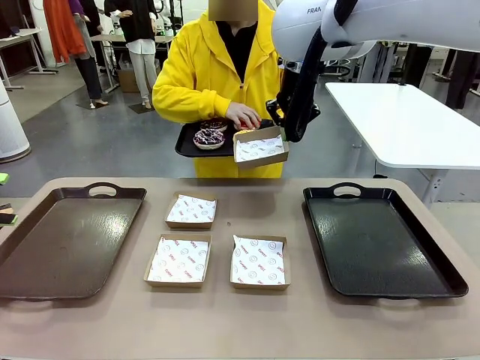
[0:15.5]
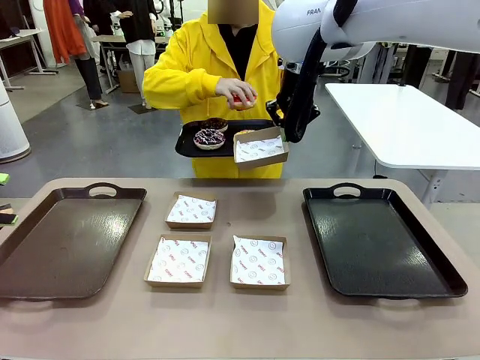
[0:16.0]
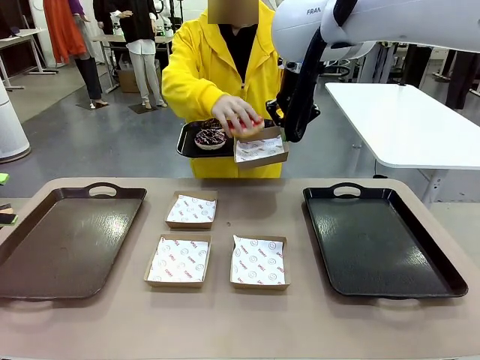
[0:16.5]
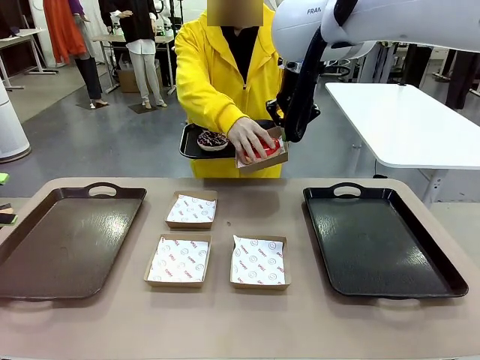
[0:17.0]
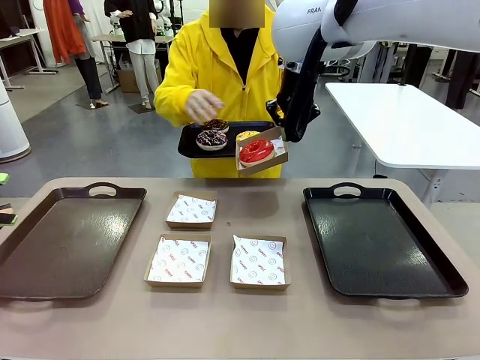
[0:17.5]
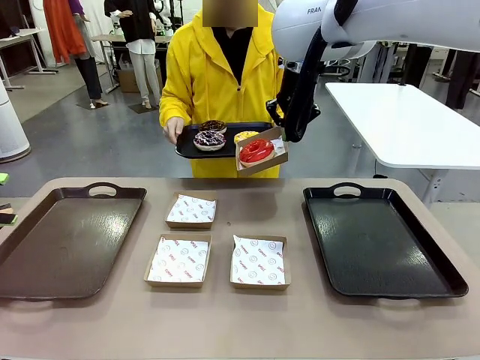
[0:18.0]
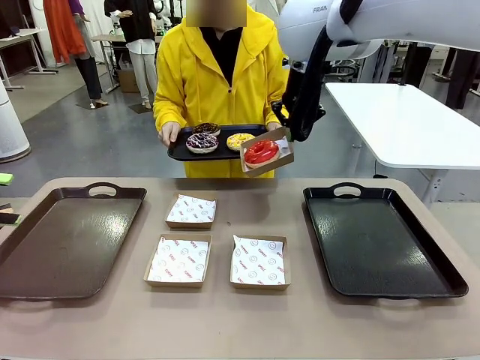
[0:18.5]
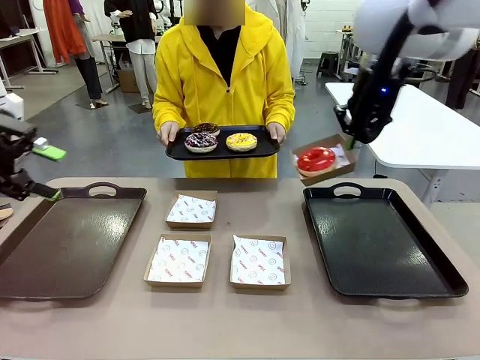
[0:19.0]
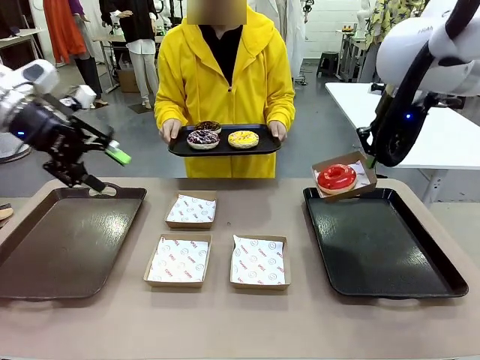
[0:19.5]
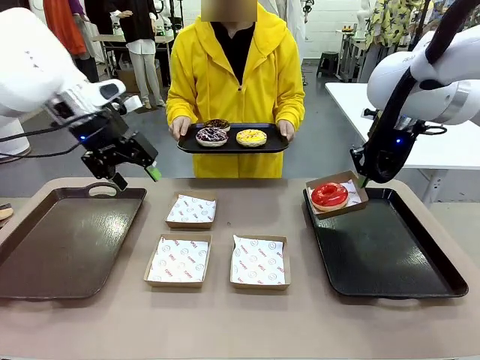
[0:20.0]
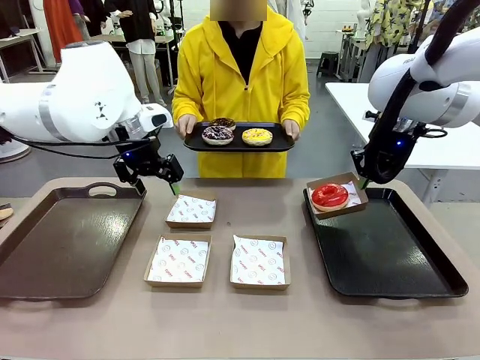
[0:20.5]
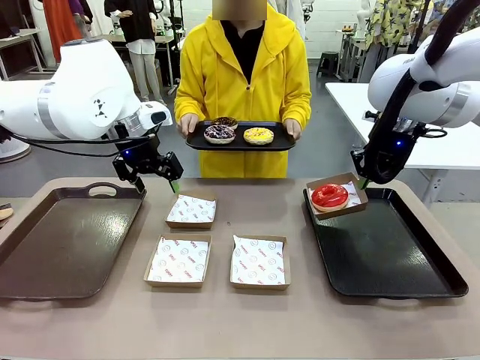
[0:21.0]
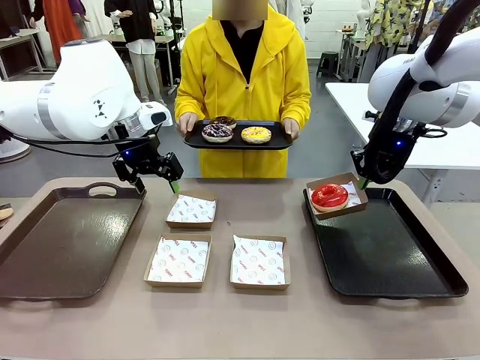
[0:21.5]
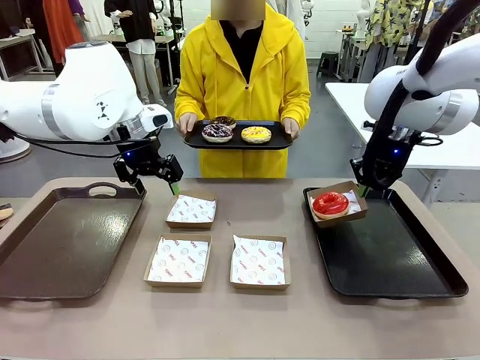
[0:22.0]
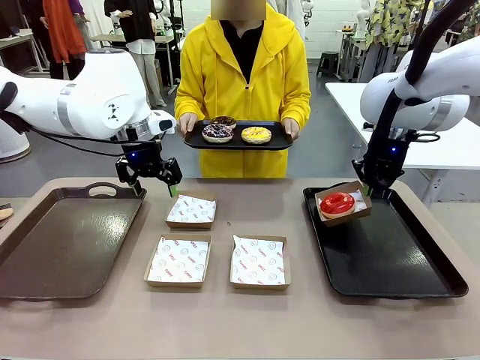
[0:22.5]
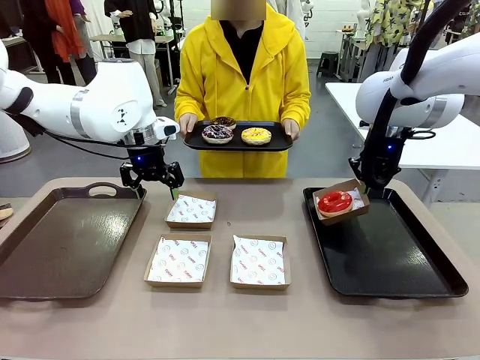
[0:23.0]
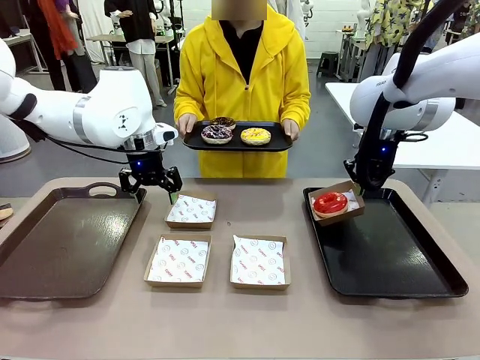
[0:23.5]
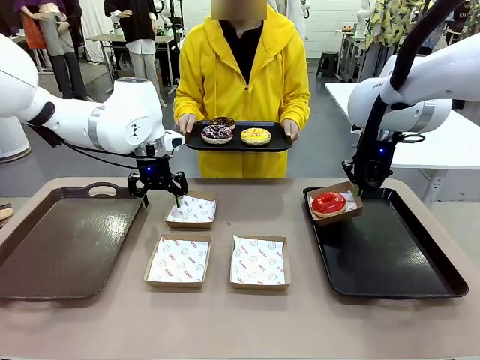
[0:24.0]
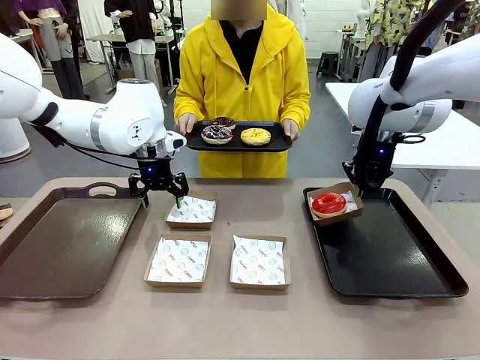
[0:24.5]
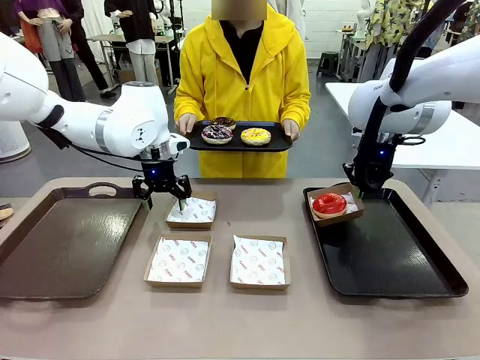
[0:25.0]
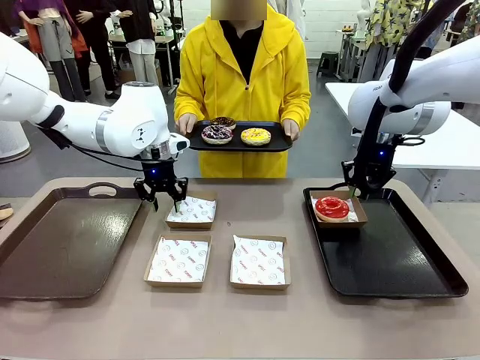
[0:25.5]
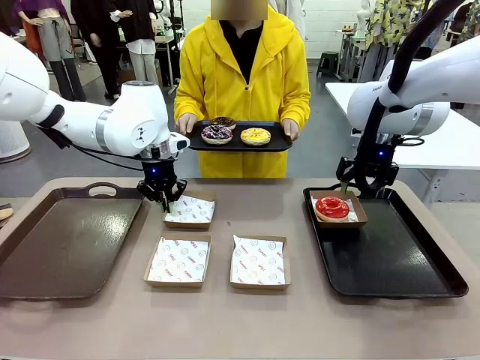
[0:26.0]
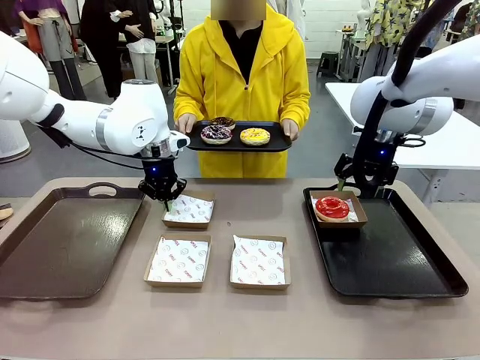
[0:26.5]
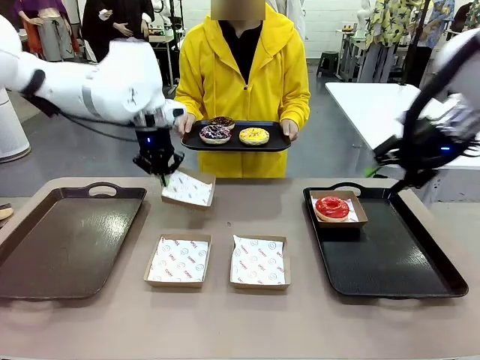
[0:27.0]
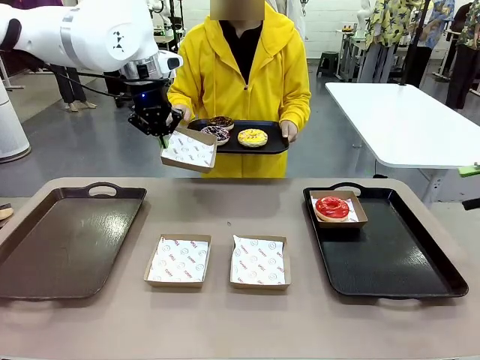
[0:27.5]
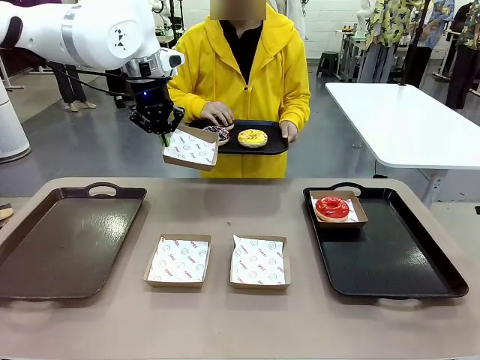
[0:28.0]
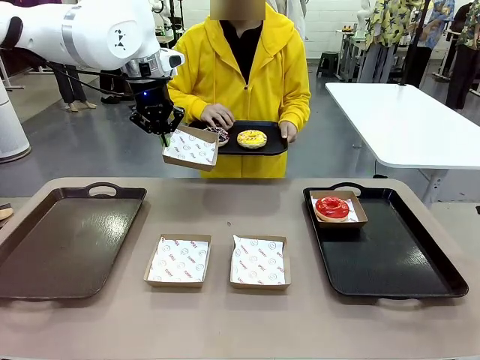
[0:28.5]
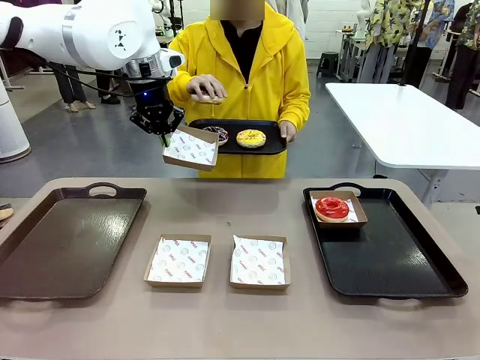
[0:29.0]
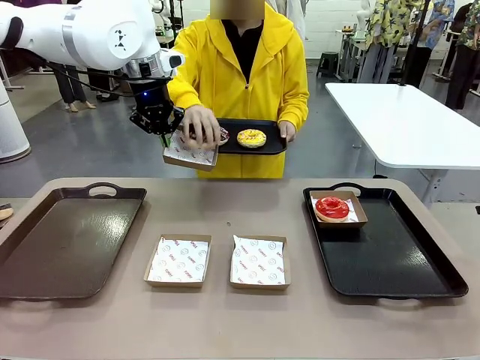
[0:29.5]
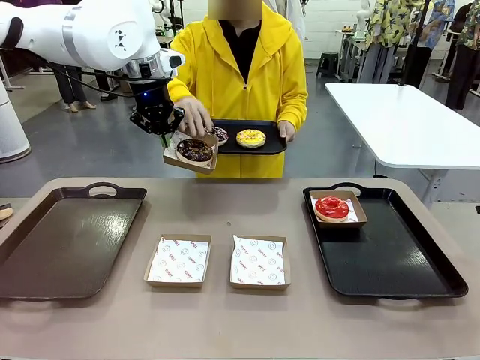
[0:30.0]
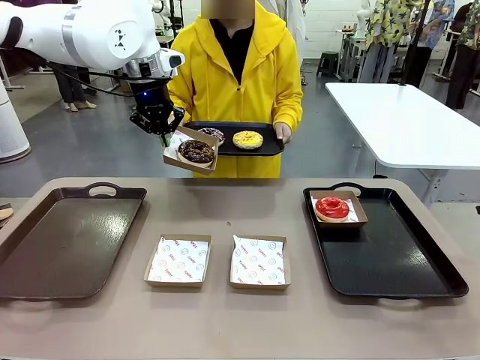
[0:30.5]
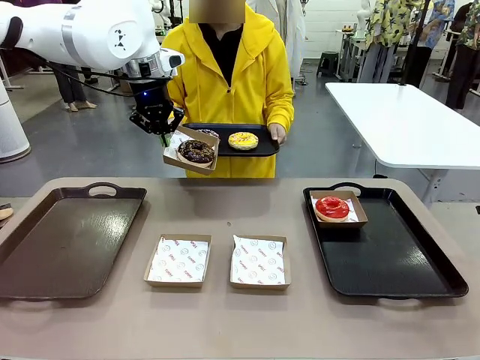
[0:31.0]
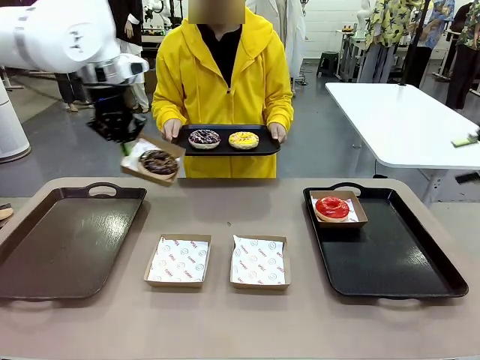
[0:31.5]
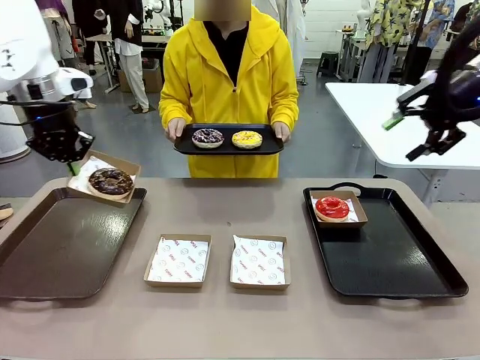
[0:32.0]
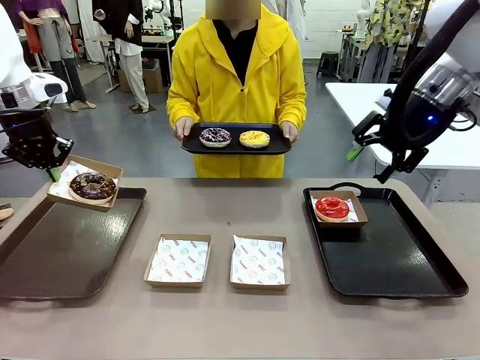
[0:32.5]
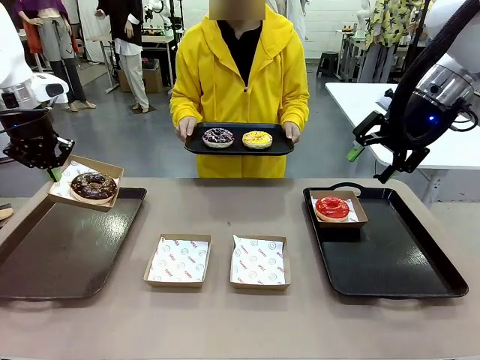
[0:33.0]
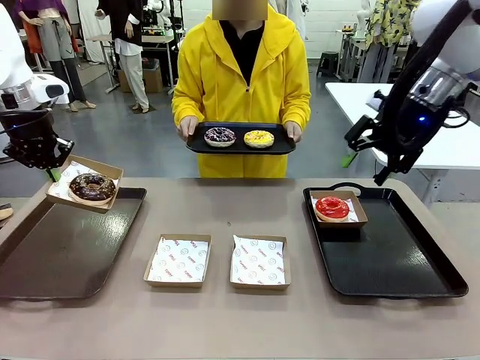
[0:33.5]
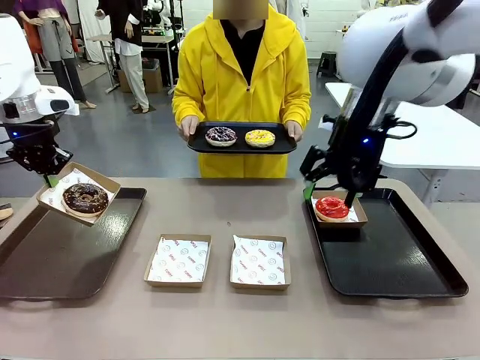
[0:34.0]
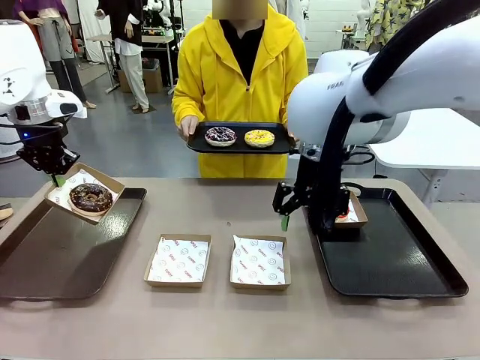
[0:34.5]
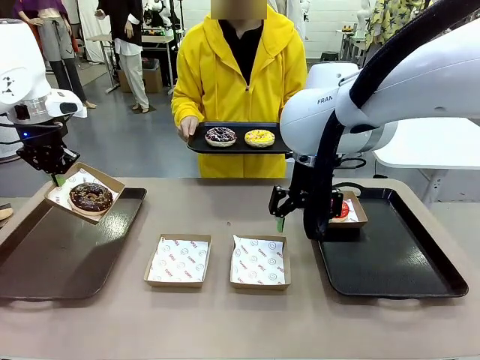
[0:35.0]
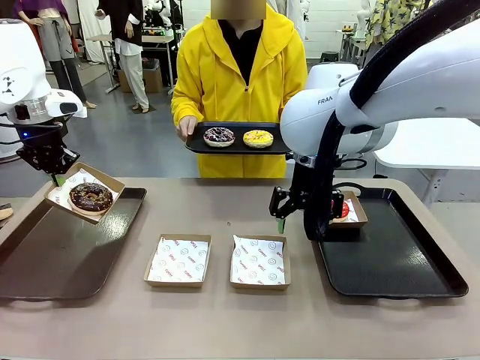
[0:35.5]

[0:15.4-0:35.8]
Task: Individually package the donuts and arrange them on the tray.
Robot: Place the picked Paper togo box on the Handle tray while simultaneously picking up another Paper togo box from the table with the other hand.

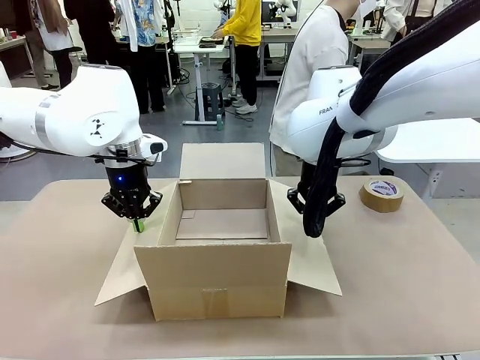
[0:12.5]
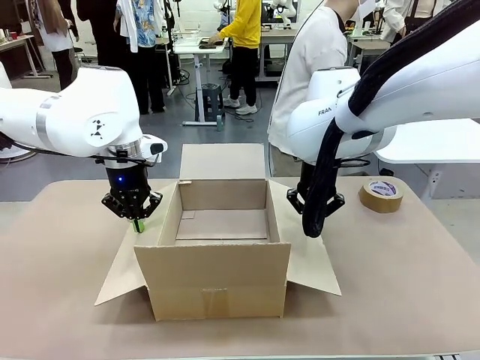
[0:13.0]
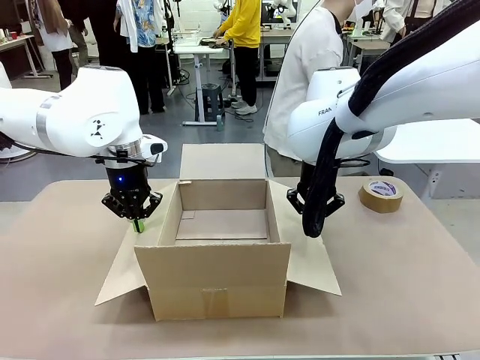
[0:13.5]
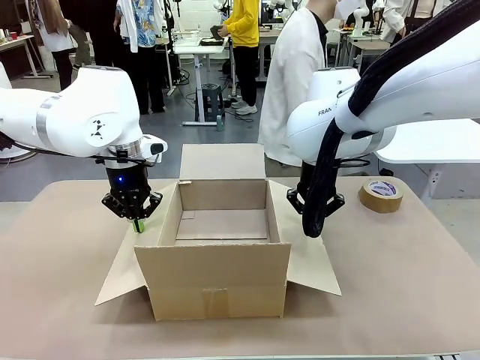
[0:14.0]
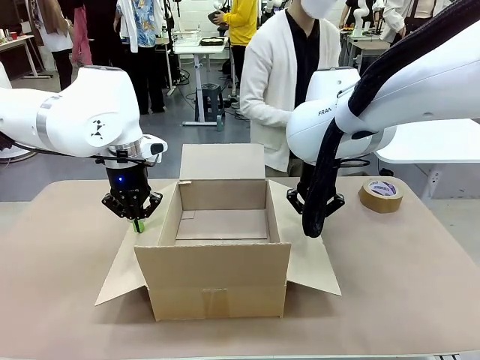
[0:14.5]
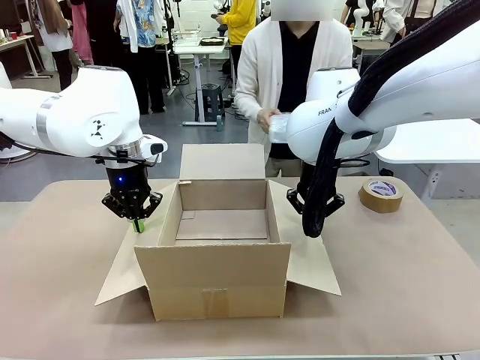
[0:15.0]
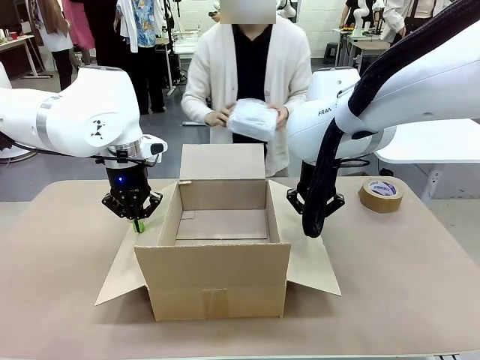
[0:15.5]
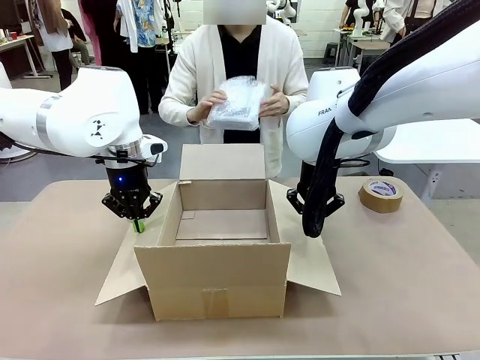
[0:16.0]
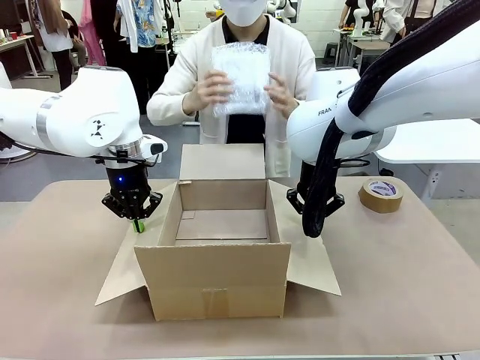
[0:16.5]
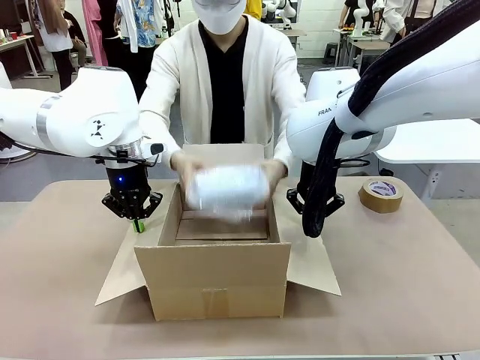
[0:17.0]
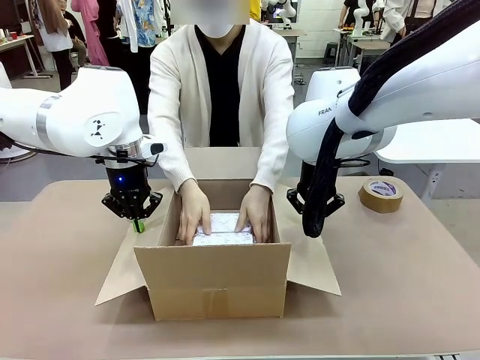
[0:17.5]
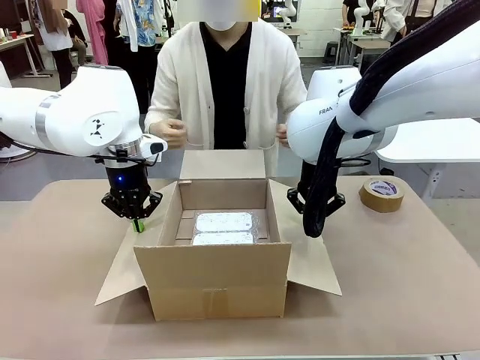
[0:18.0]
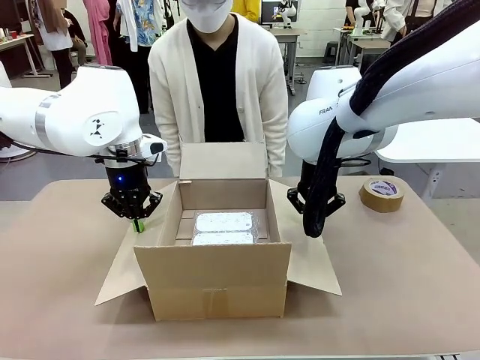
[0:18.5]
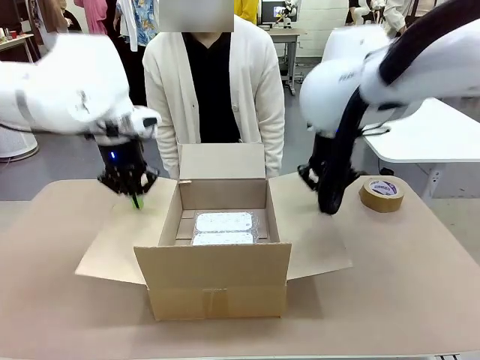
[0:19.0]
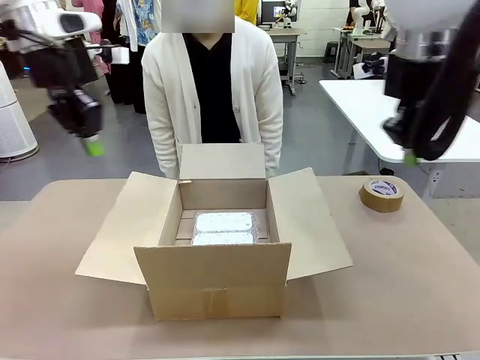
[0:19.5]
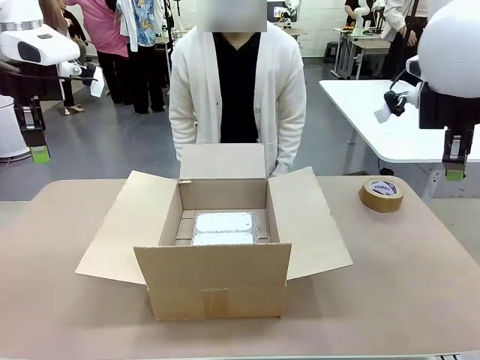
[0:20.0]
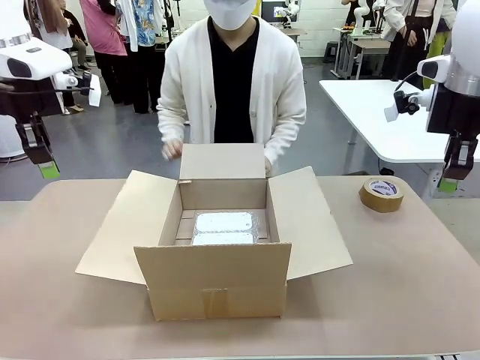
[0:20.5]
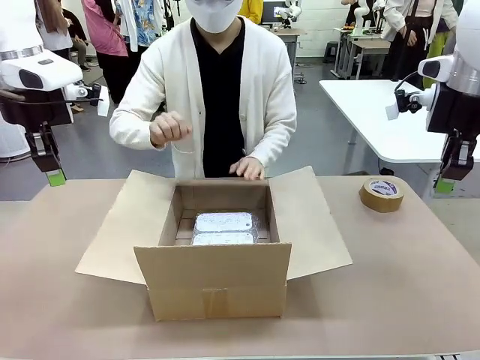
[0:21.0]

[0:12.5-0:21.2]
Task: Wrap the clocks to prevent damage.
Robot: Once the human has placed the objects inside and stepped back, release both hands from the side flaps of the Package Box.
Person: Place the wrapped Digital clocks inside the Package Box.
